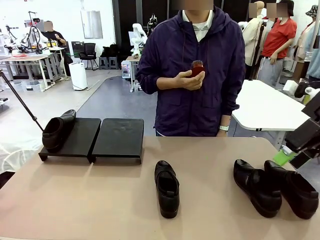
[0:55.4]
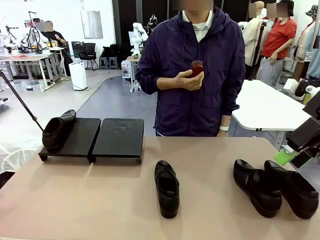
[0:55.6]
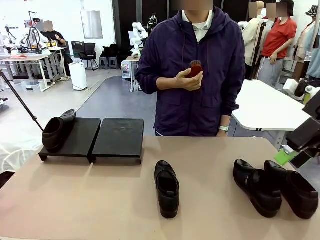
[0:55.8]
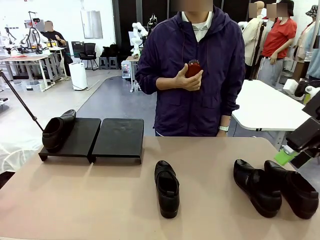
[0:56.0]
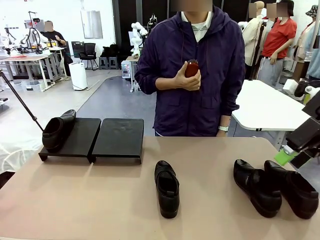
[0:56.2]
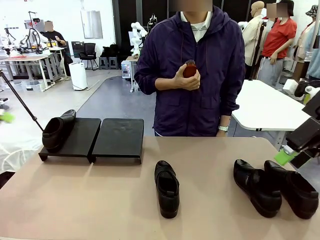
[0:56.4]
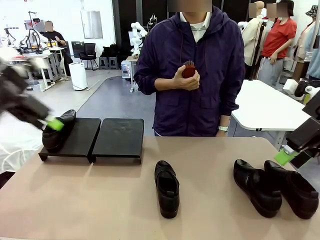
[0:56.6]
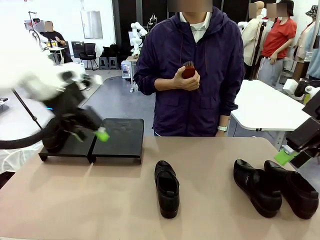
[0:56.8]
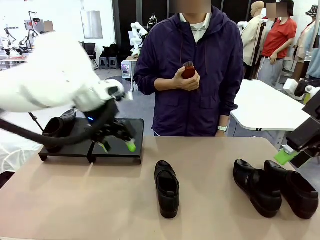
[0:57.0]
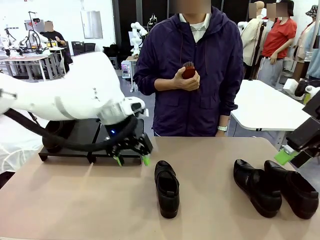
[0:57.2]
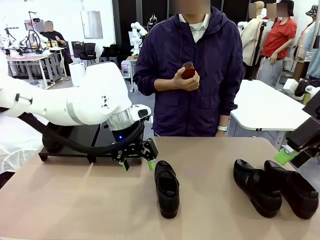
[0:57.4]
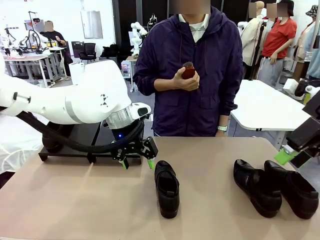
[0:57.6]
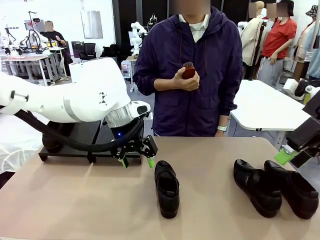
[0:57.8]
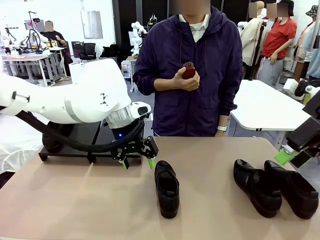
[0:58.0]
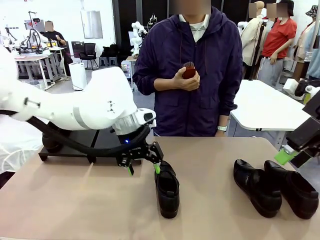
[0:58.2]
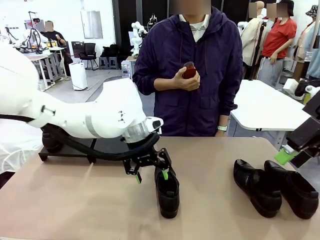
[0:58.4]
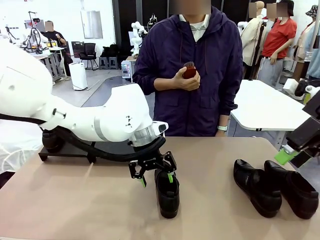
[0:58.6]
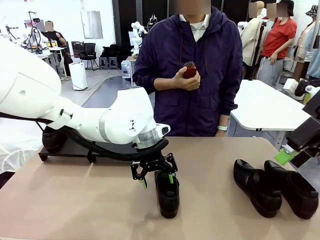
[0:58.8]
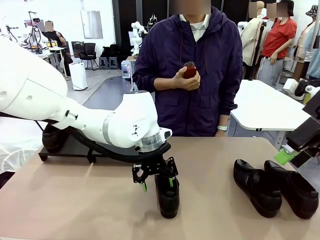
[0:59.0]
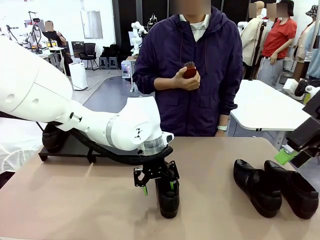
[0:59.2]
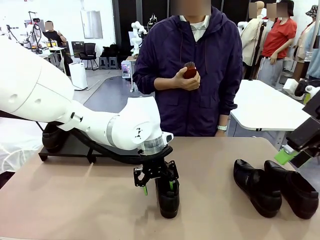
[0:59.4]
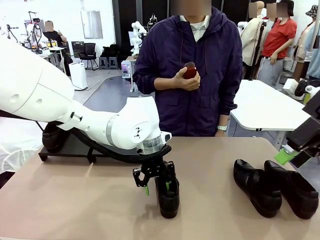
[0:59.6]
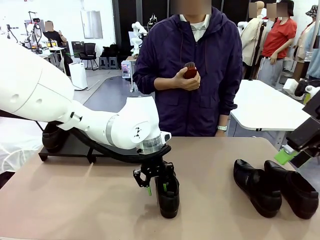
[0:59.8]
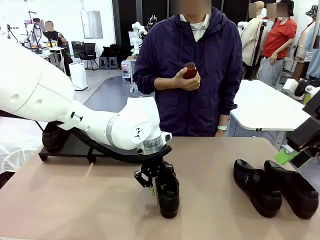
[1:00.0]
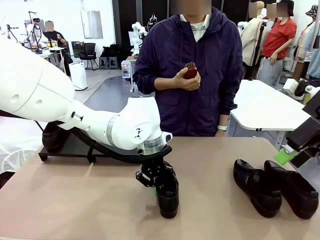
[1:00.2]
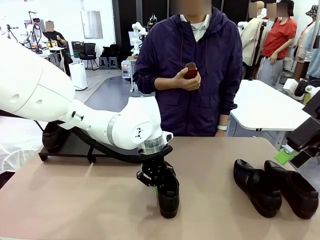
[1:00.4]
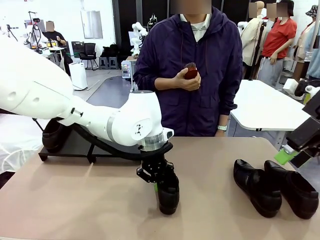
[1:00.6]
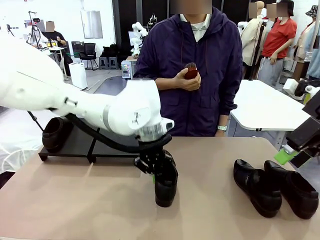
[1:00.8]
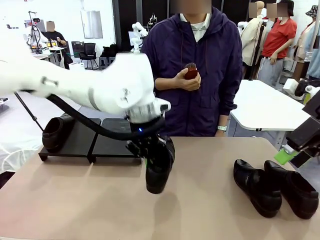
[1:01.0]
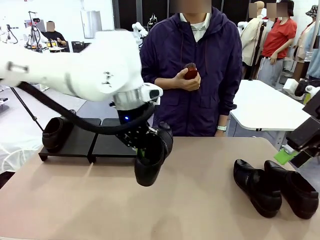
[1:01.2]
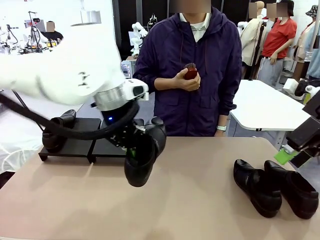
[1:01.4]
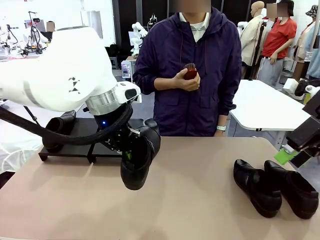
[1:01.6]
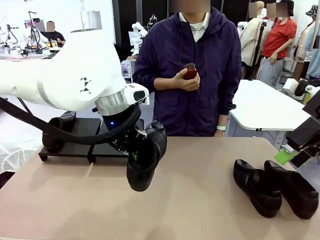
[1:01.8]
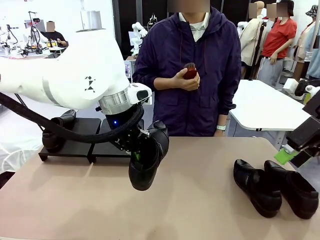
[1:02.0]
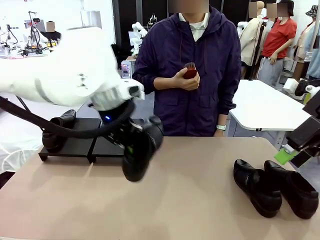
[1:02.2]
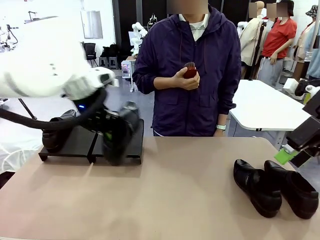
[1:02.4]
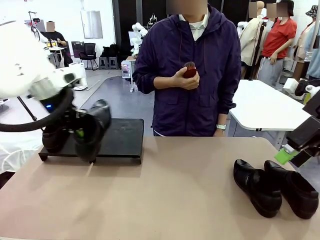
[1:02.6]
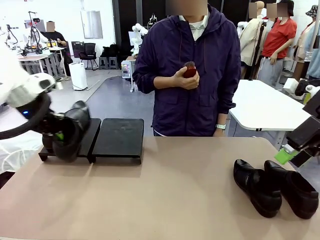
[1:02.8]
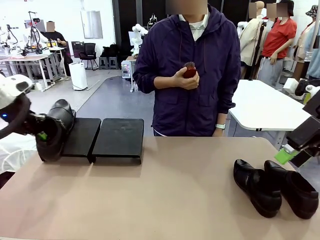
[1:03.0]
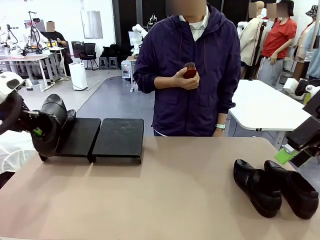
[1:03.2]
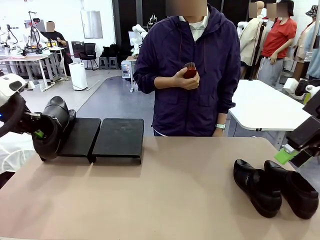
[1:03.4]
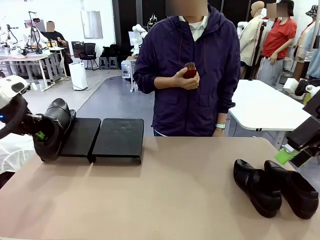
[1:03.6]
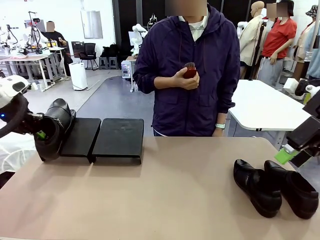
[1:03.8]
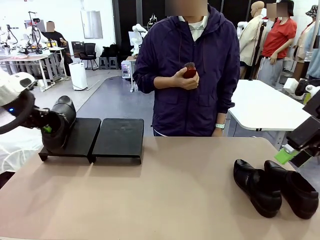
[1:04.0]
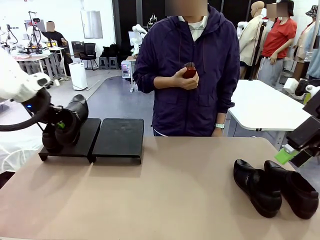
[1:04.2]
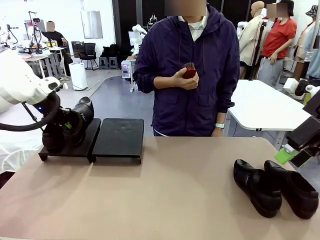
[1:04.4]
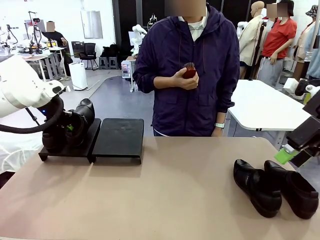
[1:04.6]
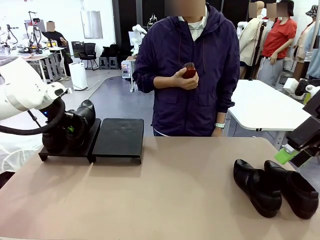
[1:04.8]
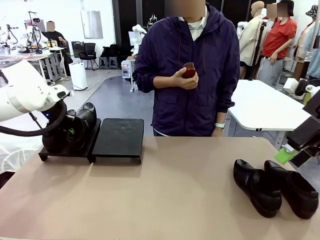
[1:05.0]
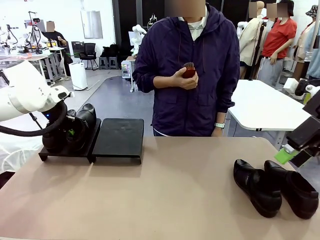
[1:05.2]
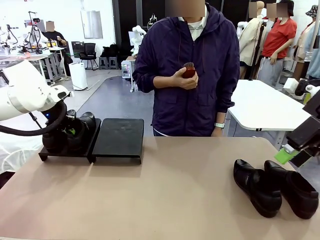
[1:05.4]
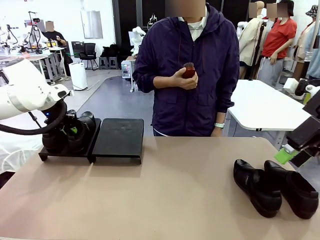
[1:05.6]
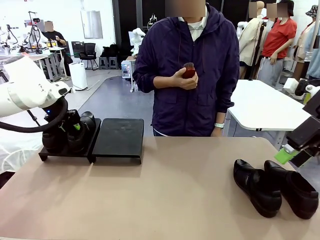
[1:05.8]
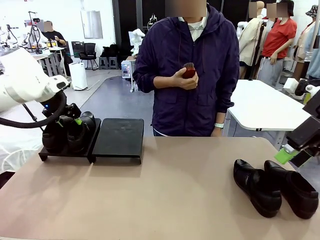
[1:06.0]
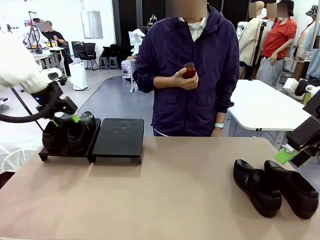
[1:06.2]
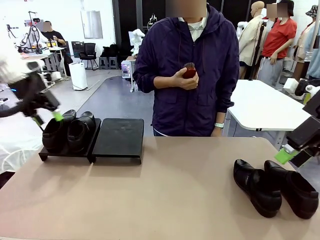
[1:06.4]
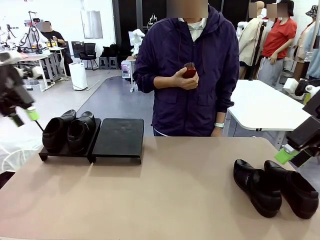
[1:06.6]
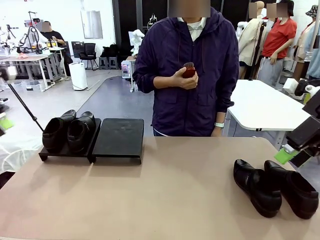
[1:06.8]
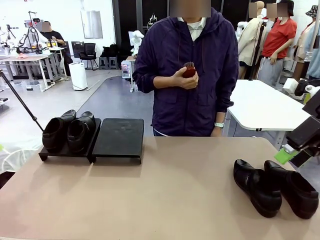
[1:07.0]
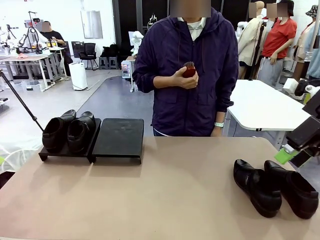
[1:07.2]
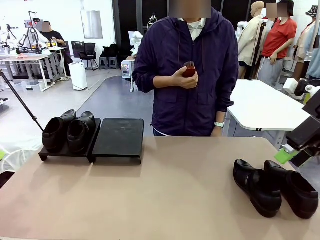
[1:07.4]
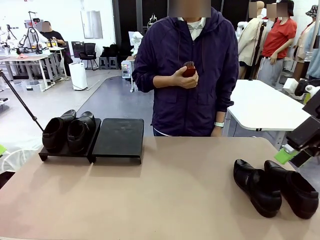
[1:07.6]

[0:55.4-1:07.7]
Task: Organize the shoes by placing them on the stand.
Robot: Place the Shoe from the middle of the table onto the Shoes Stand.

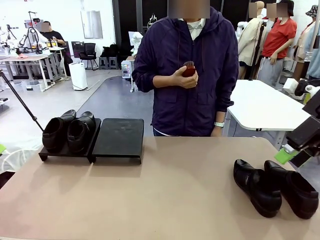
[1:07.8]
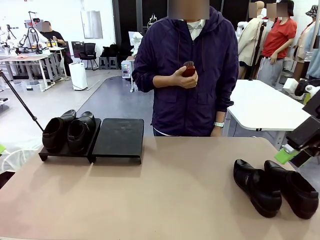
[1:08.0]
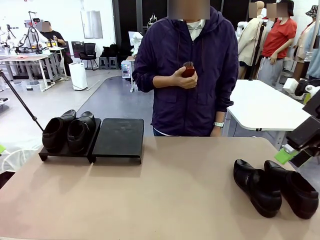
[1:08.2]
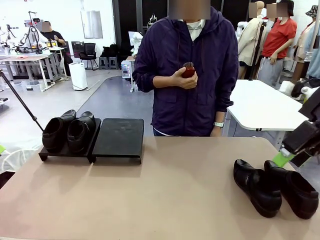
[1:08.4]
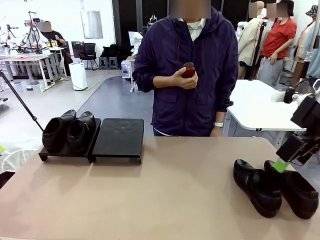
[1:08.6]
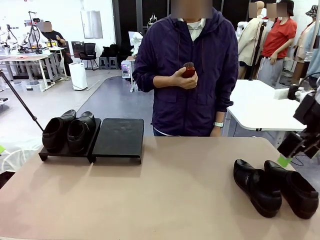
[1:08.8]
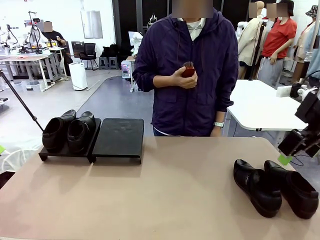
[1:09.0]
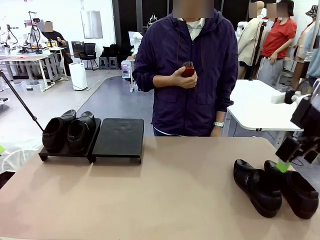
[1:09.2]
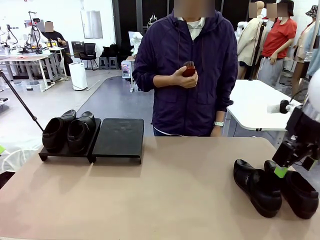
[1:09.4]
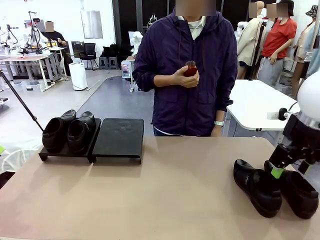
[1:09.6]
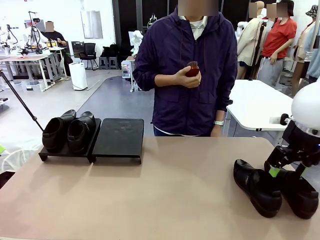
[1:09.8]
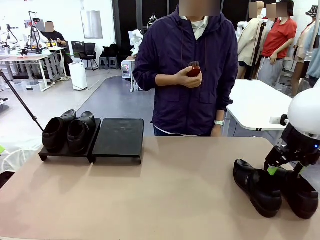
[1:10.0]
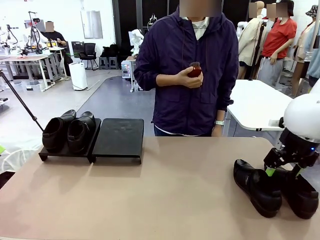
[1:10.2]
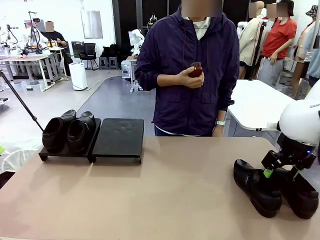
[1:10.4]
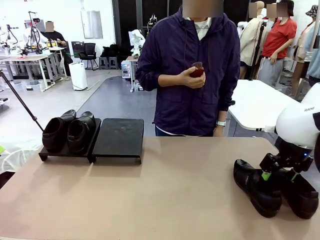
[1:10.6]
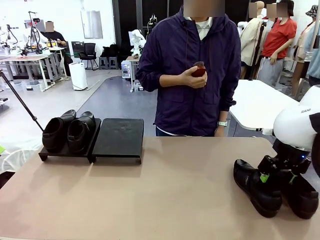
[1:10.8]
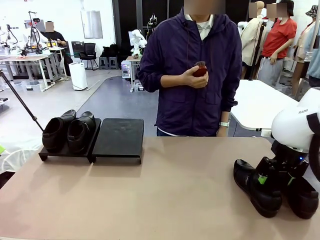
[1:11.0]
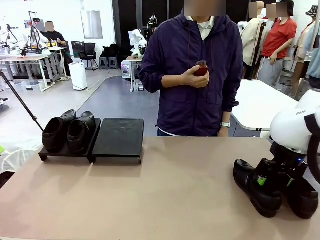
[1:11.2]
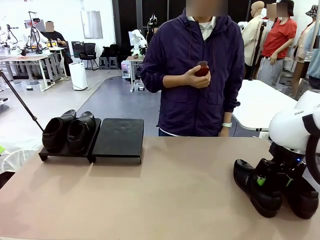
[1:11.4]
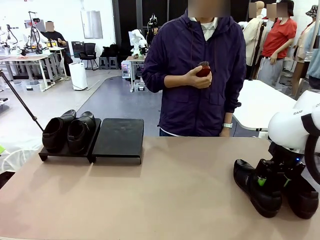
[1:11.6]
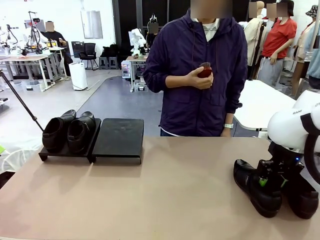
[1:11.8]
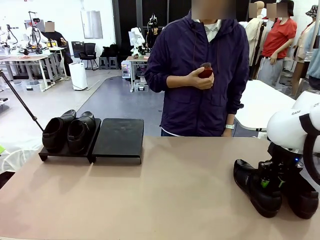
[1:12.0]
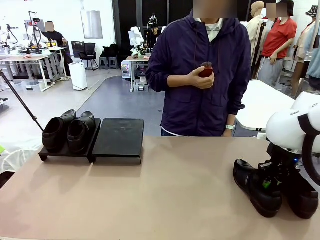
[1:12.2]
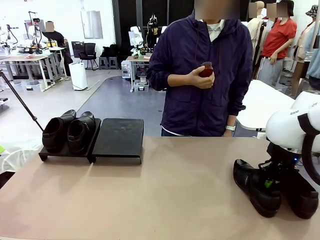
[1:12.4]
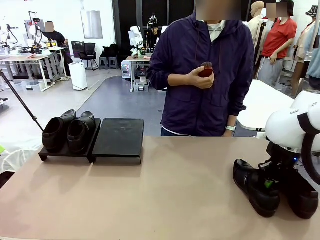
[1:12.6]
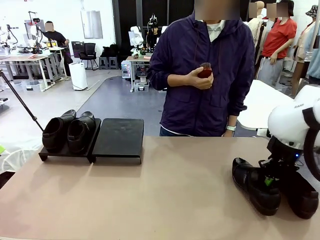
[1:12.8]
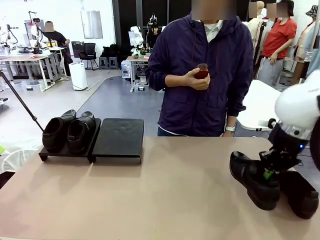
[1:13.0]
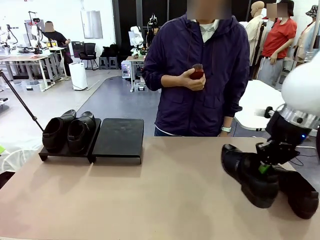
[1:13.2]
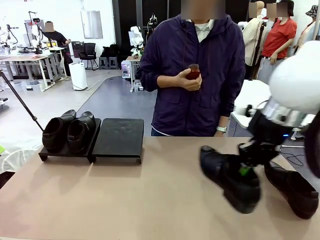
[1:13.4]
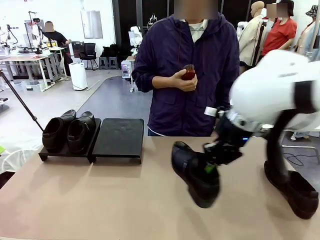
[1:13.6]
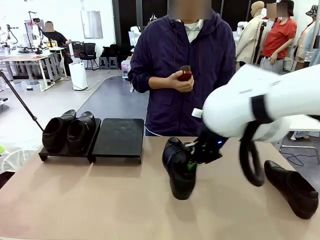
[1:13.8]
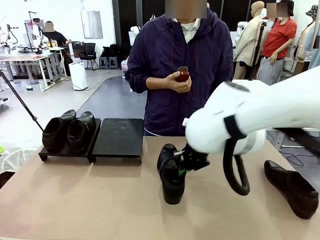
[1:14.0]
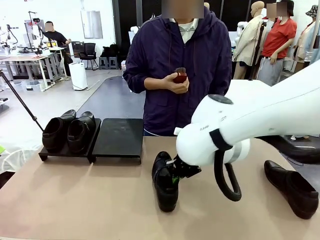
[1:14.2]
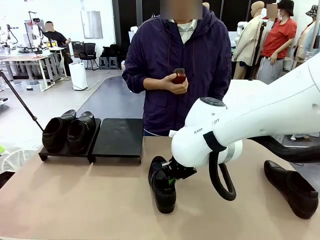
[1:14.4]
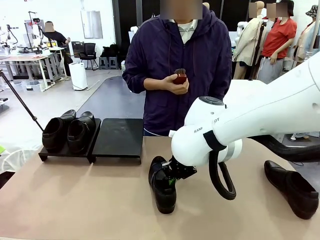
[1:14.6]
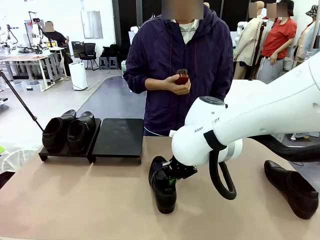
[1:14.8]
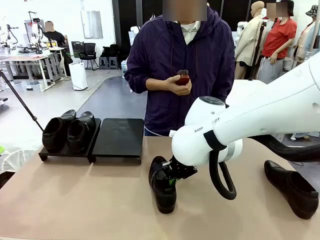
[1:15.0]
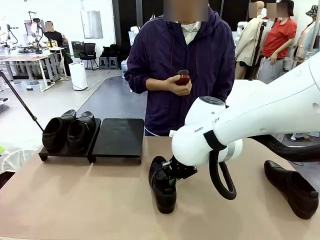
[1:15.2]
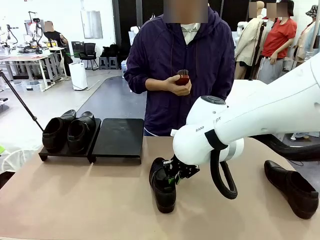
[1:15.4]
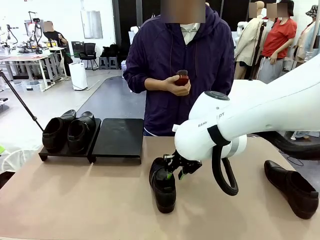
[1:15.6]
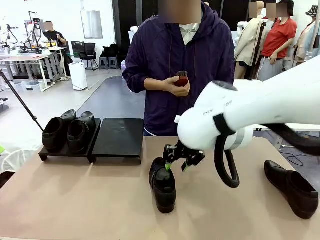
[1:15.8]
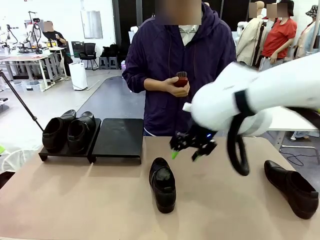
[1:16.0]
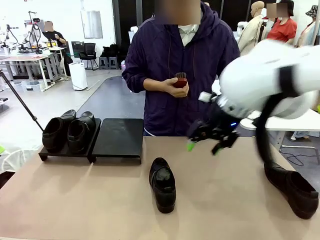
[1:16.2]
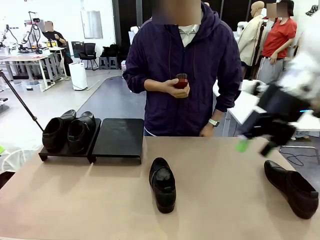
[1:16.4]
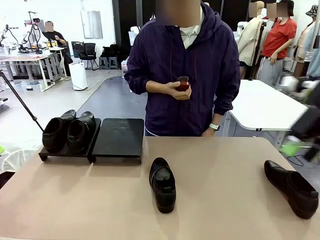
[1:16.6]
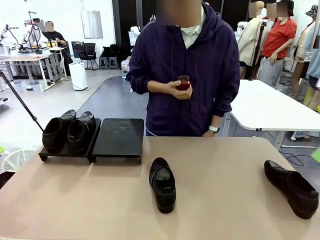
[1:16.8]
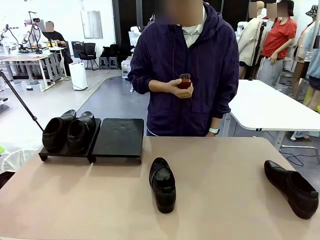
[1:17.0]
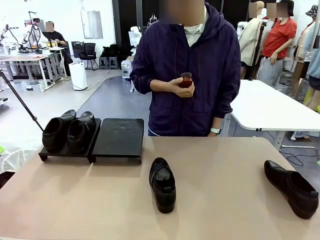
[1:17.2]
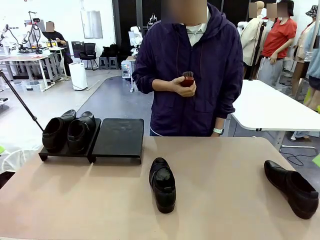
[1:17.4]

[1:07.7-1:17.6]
Robot: Pick up one Shoe and place it in the middle of the table.
